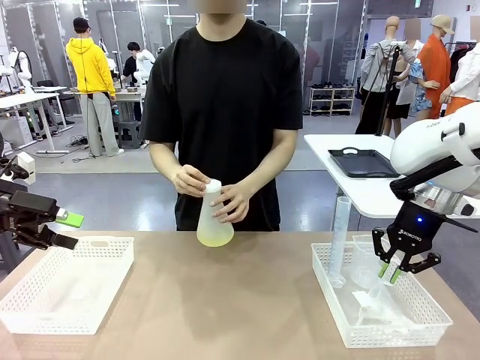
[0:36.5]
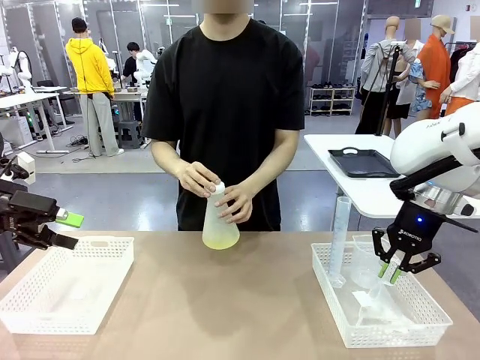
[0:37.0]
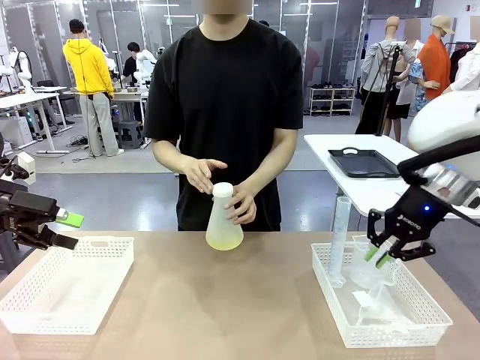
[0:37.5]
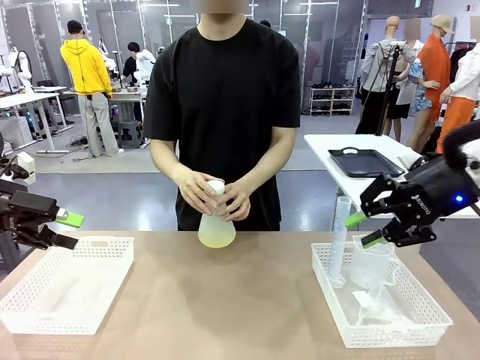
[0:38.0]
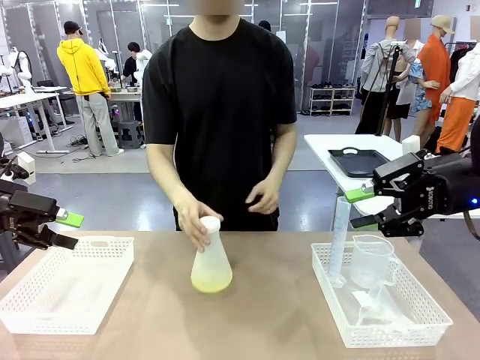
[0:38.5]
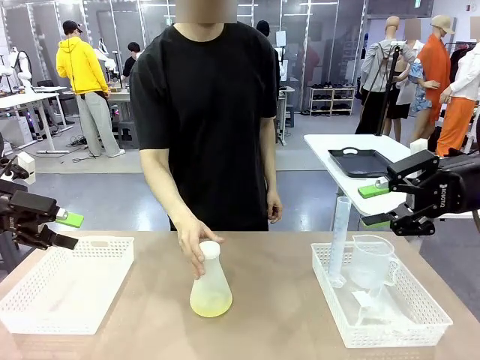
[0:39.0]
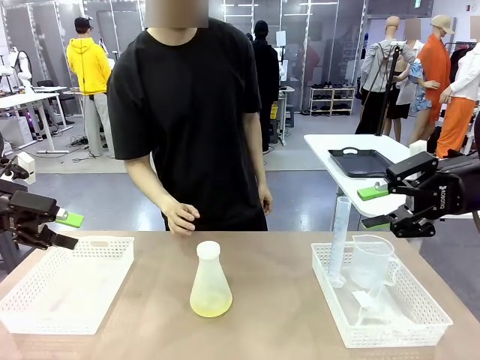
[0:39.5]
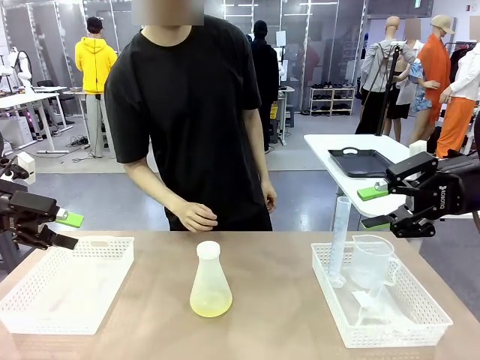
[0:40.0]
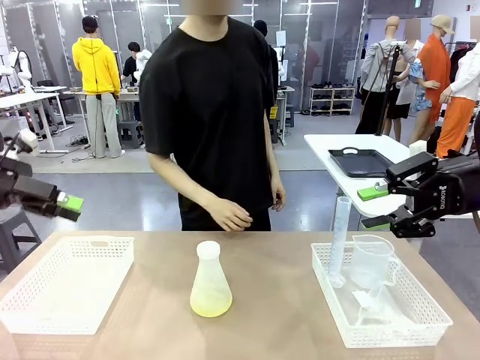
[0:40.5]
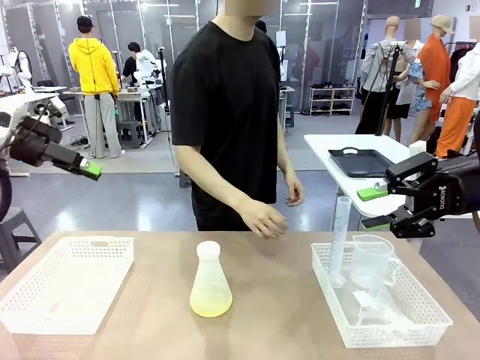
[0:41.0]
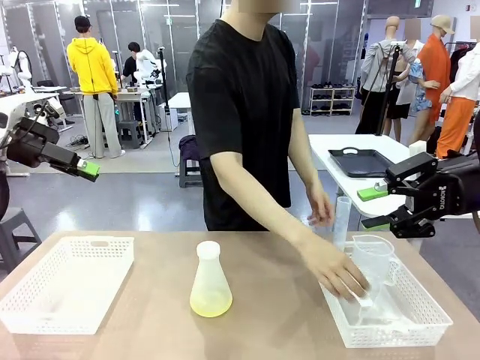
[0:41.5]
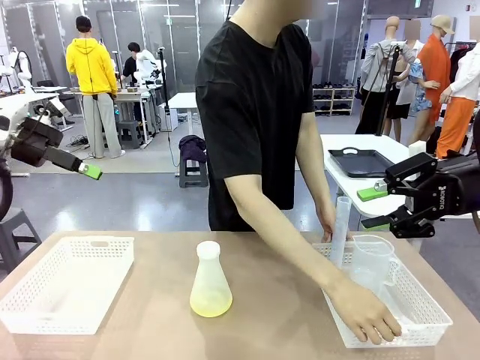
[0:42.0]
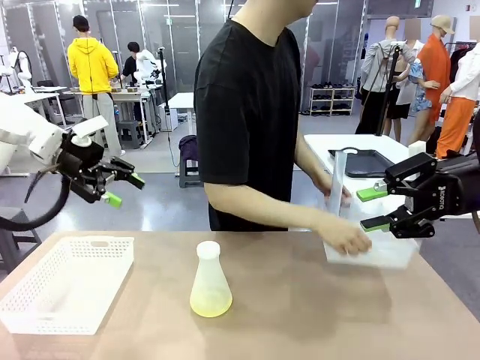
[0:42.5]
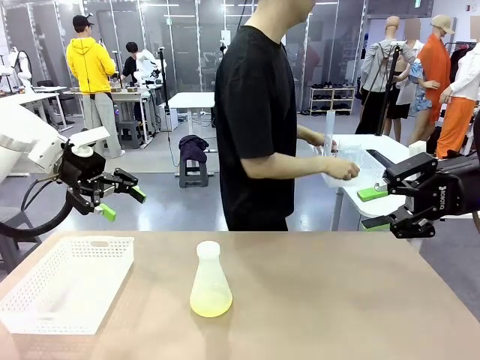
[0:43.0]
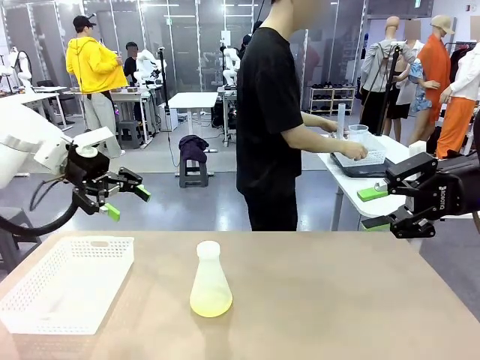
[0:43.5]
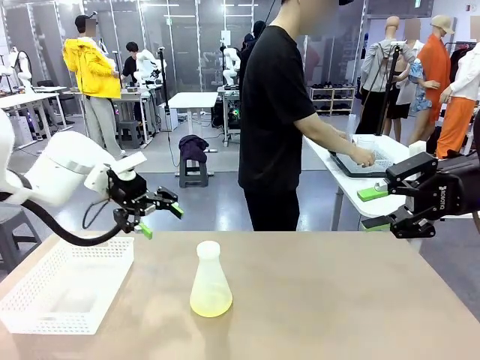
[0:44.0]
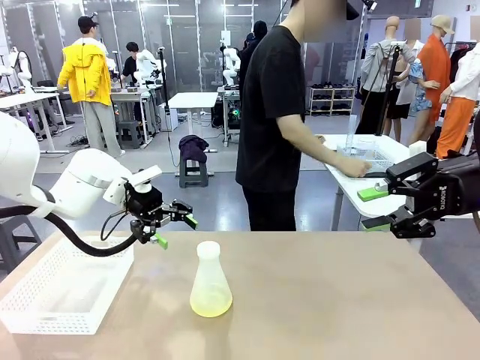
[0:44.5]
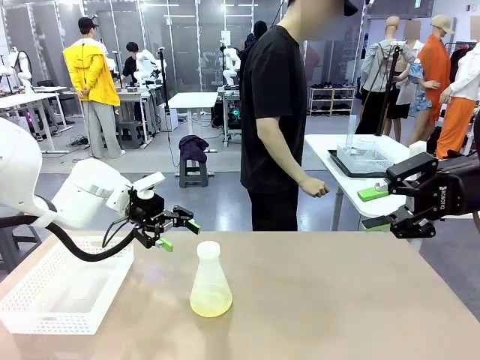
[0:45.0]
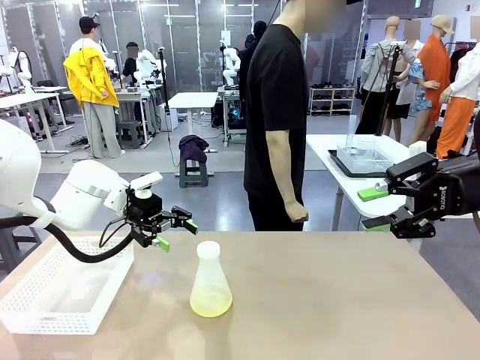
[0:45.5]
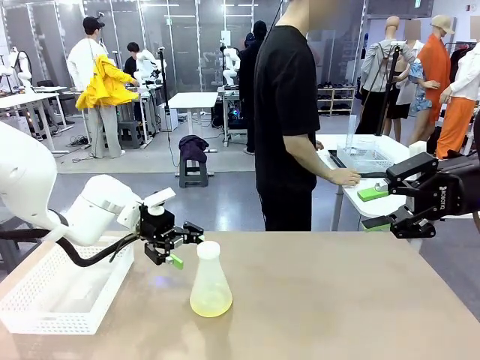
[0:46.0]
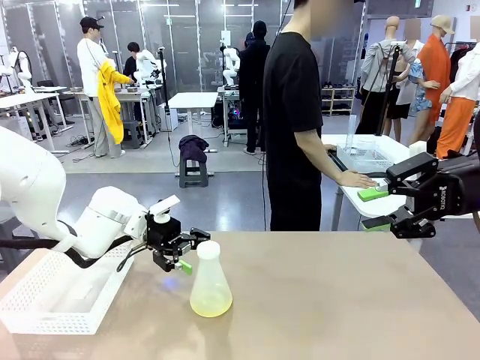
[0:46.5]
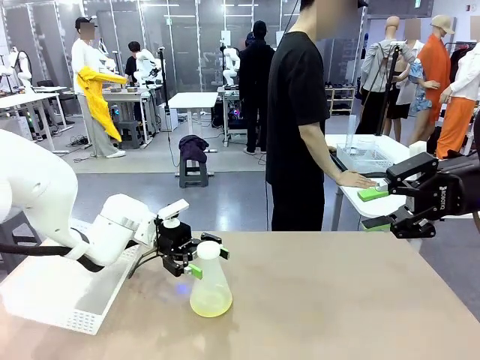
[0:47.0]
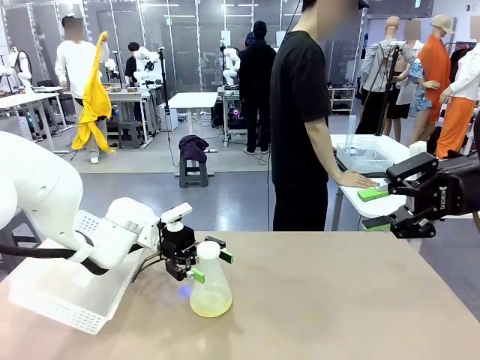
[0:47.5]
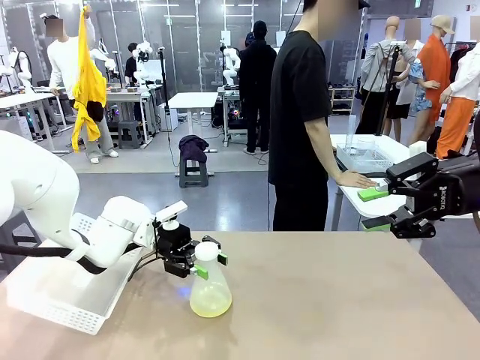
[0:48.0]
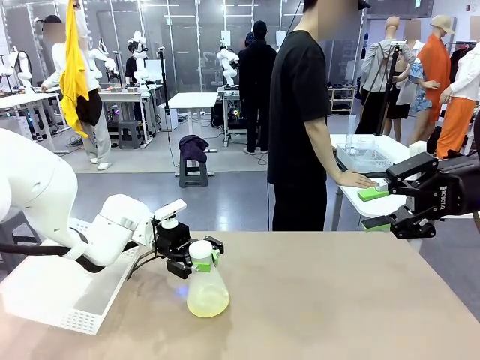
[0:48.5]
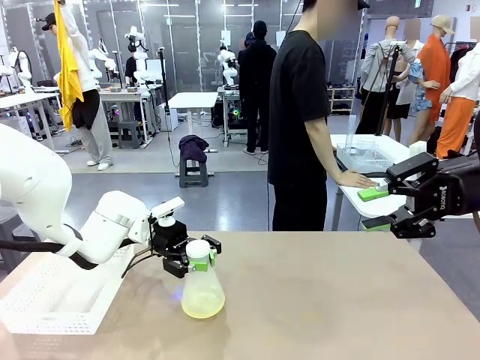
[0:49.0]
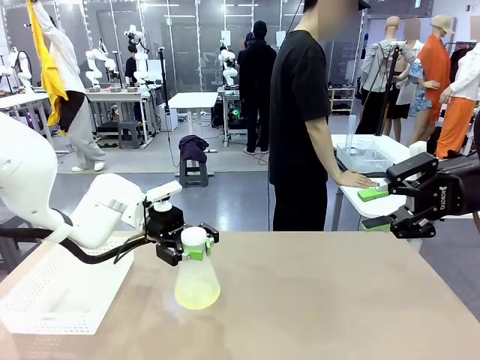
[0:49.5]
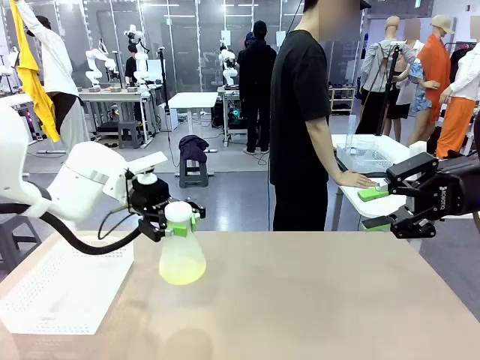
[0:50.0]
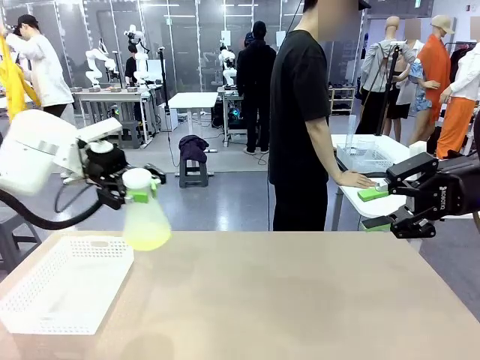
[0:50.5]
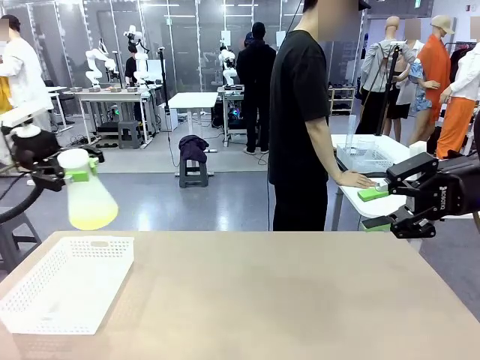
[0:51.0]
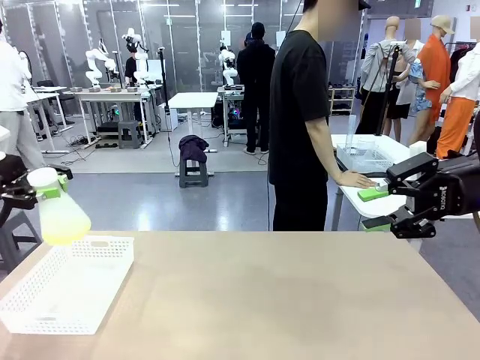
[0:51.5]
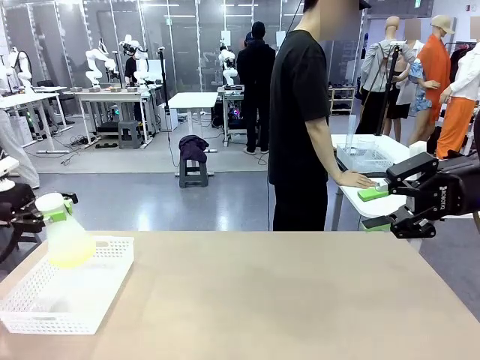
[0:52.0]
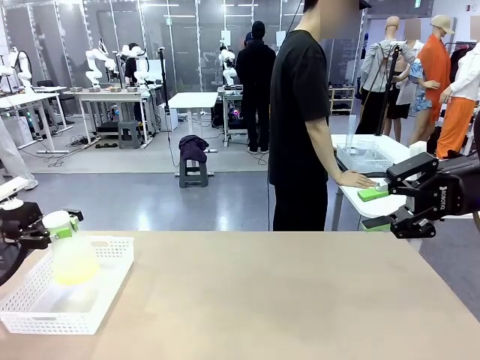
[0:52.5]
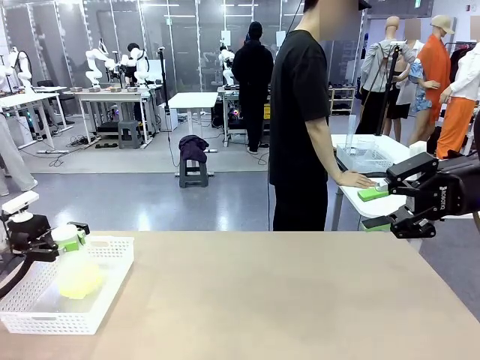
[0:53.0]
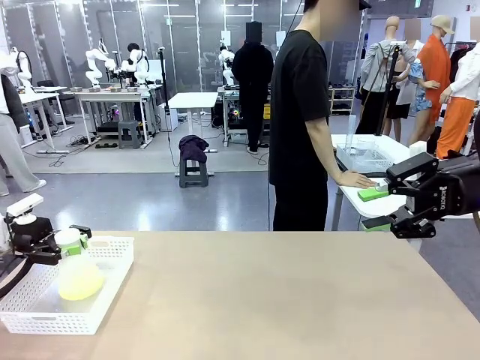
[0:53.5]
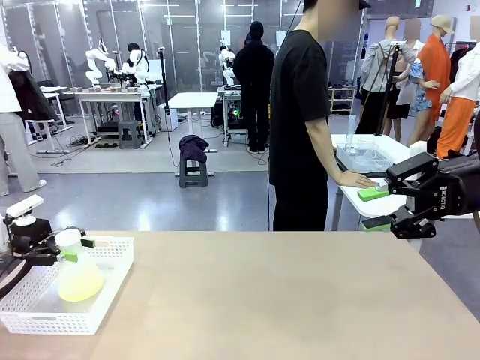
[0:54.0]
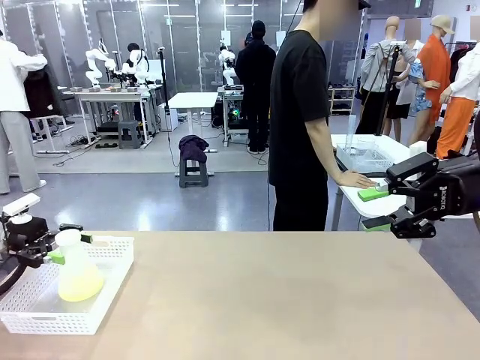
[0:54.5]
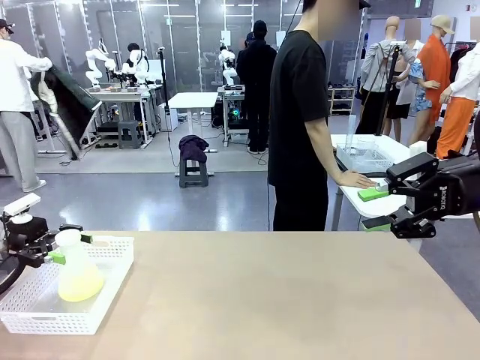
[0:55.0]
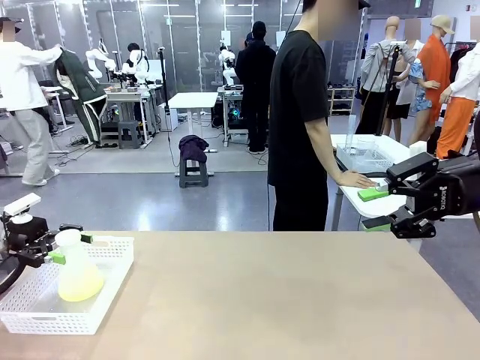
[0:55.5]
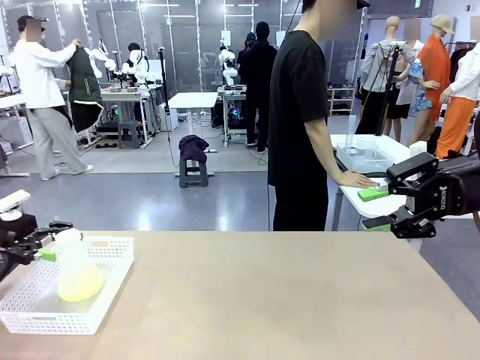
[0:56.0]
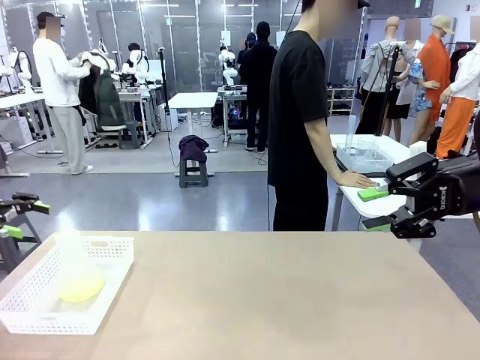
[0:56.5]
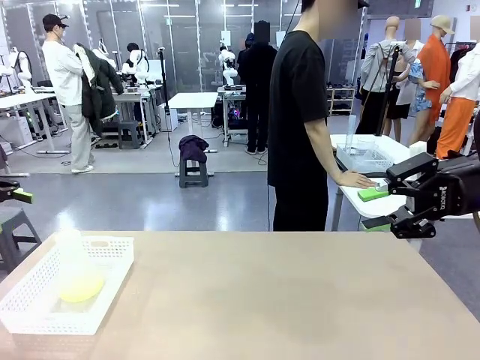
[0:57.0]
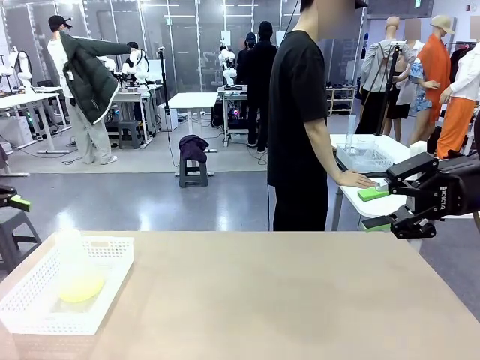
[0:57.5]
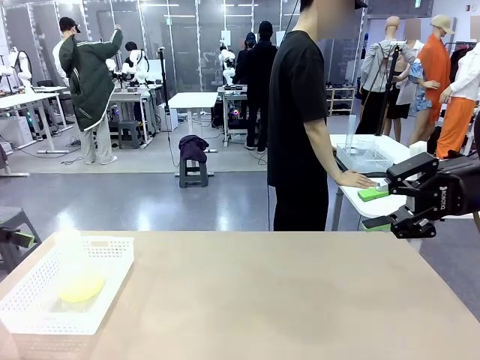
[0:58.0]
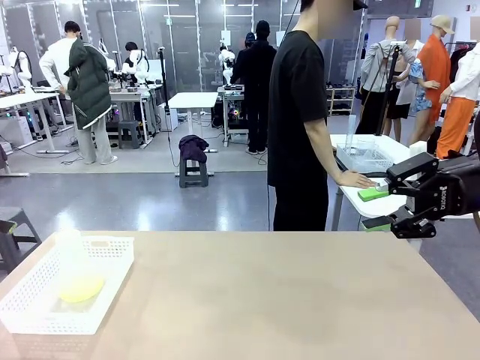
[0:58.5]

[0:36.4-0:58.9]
Task: Prepare the solutions needed for the experiment.
Robot: When the human places the Big flask in the center of the table, pick up the Big flask and place it in the left Organizing basket.
Person: Pick up the organizing basket on the left side of the robot table and place it on the left side of the human table.

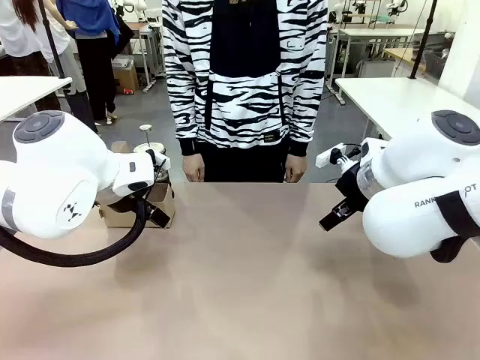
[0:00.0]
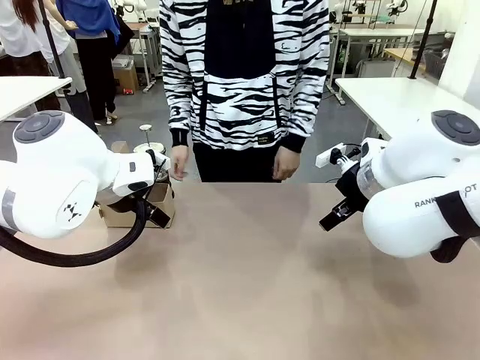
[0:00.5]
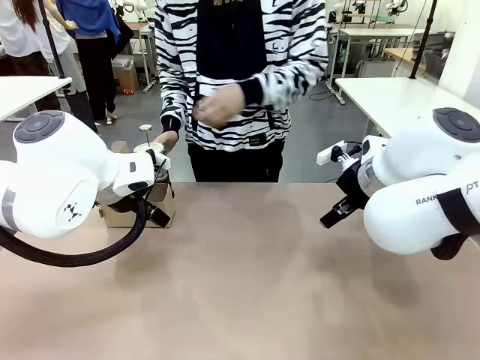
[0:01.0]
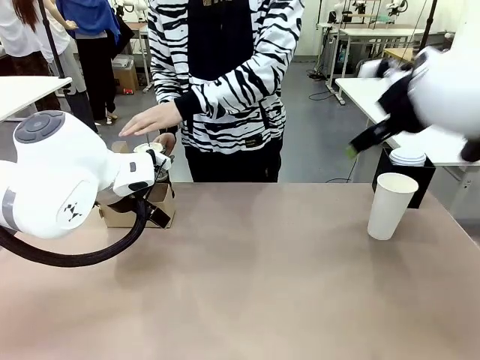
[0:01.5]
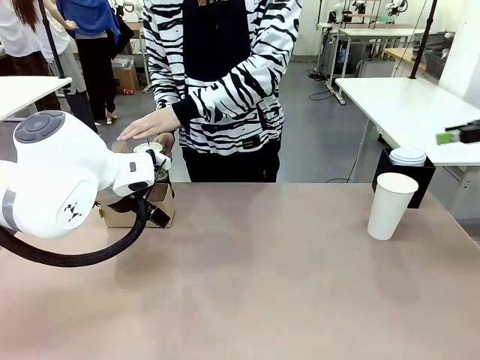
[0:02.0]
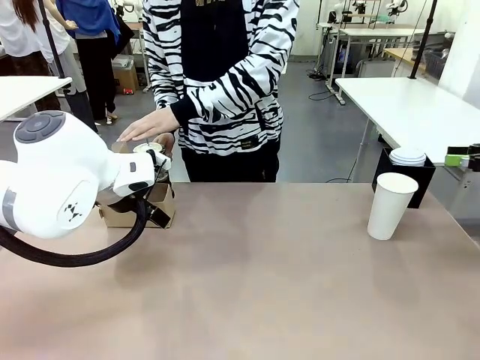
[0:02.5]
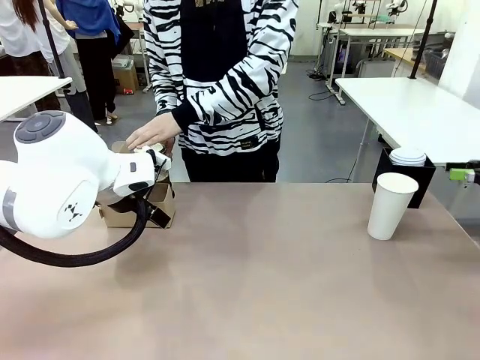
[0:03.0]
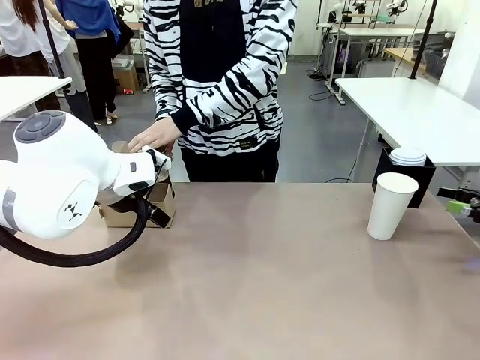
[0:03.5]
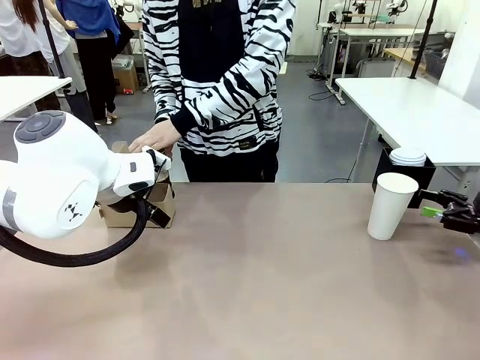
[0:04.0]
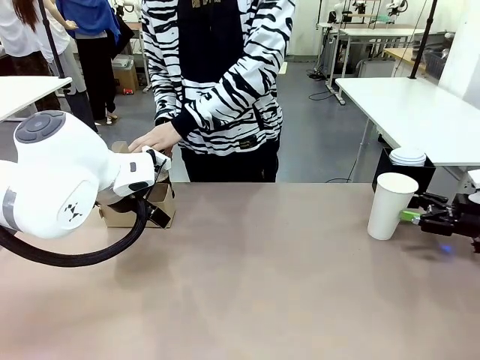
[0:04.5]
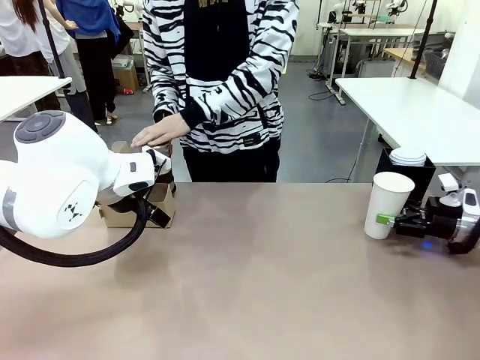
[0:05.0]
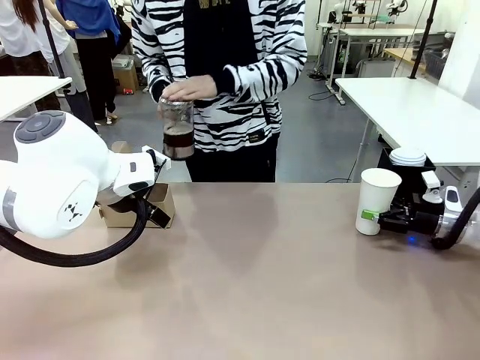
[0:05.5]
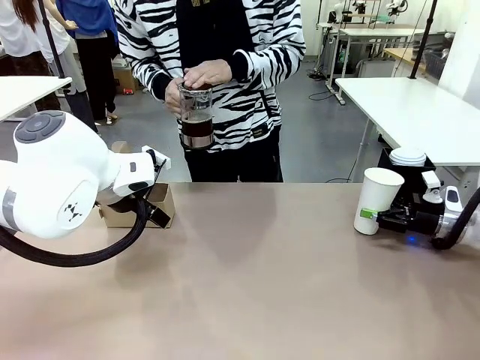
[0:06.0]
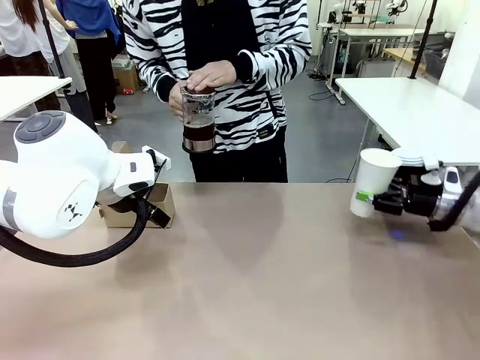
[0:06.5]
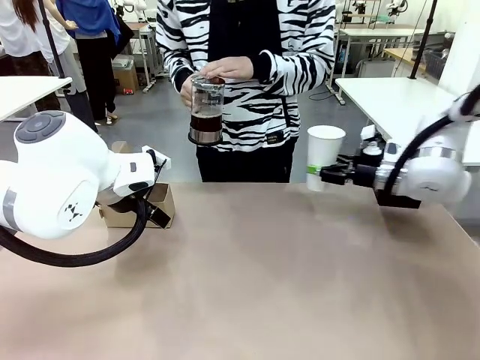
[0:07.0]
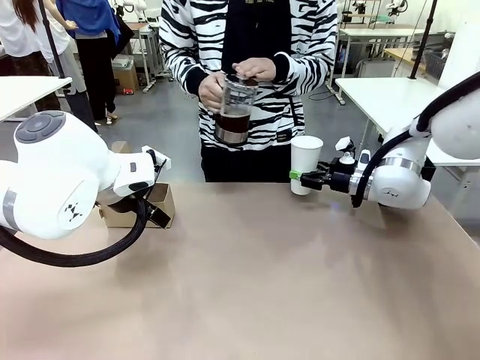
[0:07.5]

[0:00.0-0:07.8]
Task: Pour a drink into a cup and package it in a carrier.
Robot: Pick up the 600 ml Paper Cup and place it in the middle top area of the table.
Person: Press and pick up the Filter Brewing.
